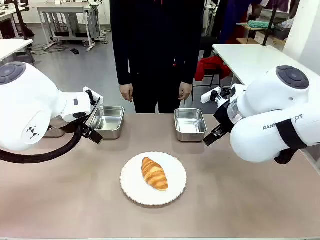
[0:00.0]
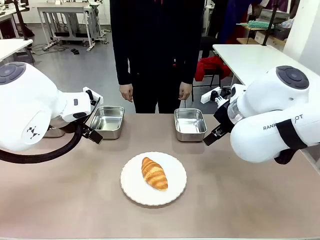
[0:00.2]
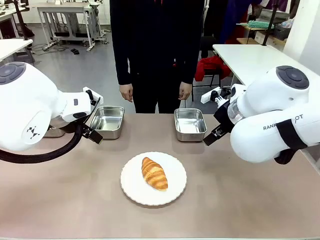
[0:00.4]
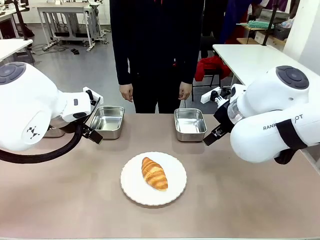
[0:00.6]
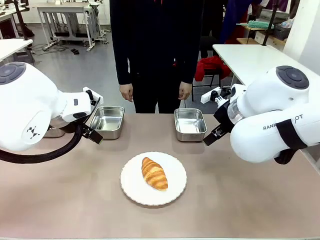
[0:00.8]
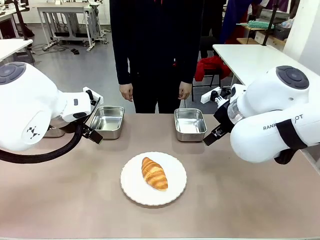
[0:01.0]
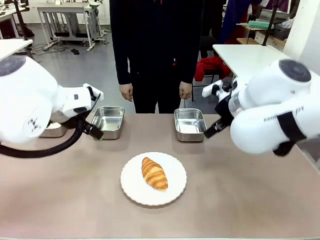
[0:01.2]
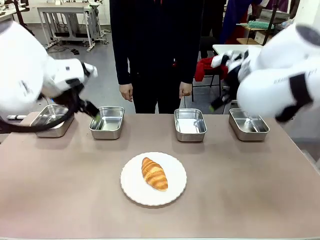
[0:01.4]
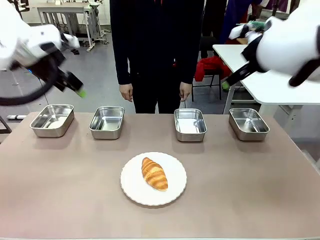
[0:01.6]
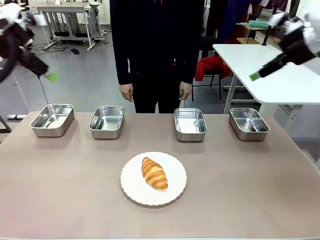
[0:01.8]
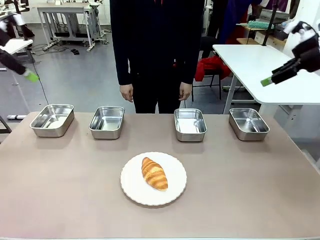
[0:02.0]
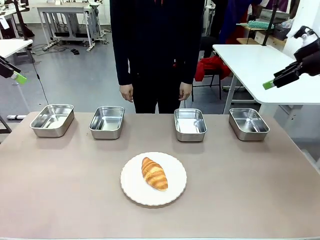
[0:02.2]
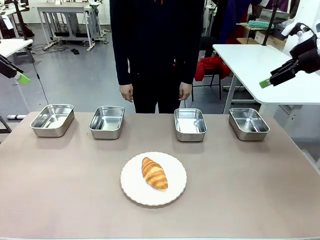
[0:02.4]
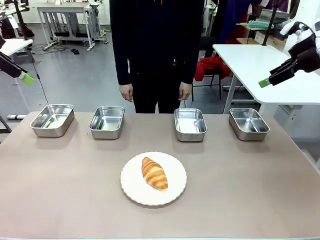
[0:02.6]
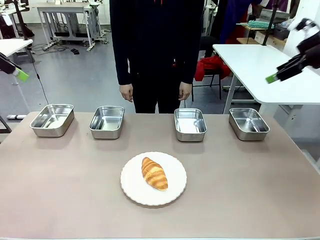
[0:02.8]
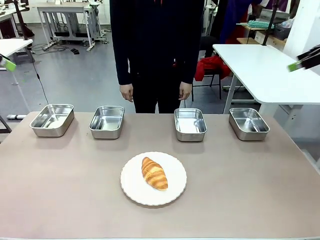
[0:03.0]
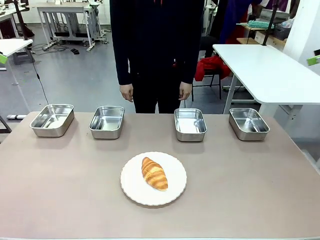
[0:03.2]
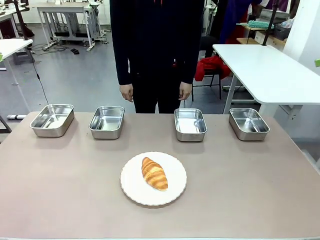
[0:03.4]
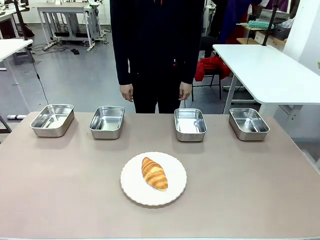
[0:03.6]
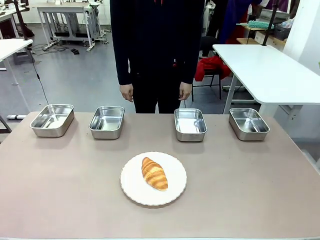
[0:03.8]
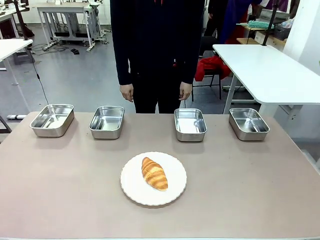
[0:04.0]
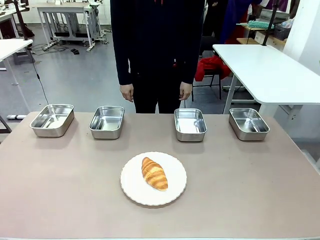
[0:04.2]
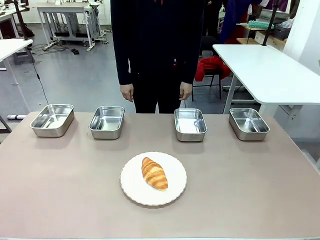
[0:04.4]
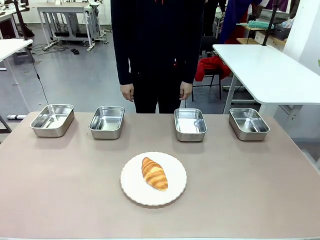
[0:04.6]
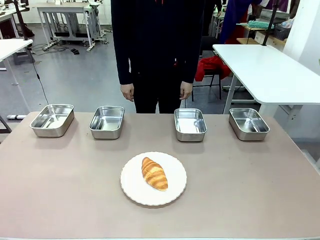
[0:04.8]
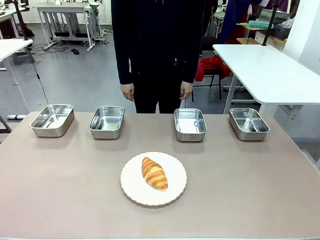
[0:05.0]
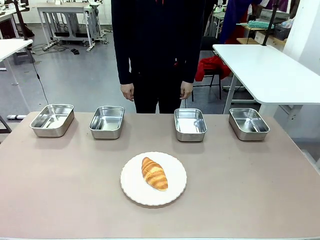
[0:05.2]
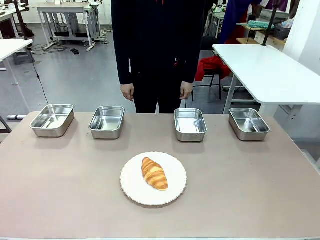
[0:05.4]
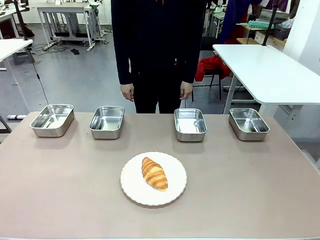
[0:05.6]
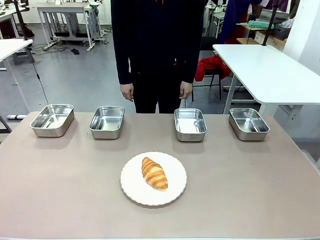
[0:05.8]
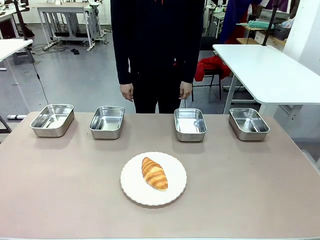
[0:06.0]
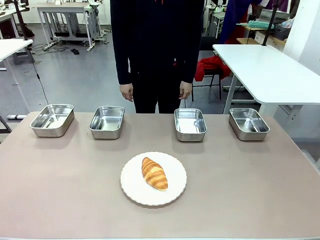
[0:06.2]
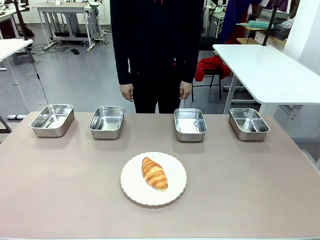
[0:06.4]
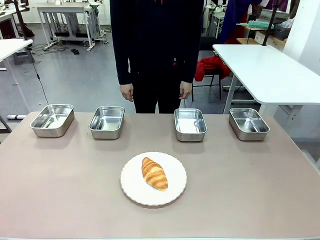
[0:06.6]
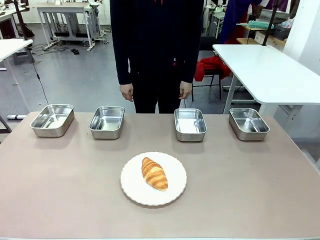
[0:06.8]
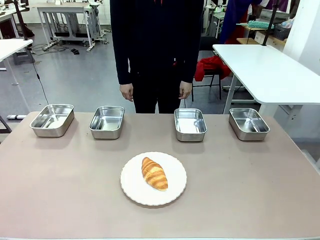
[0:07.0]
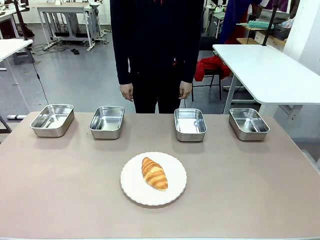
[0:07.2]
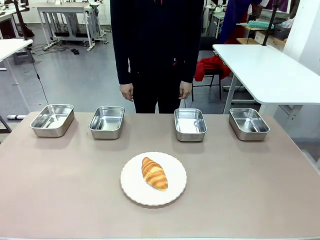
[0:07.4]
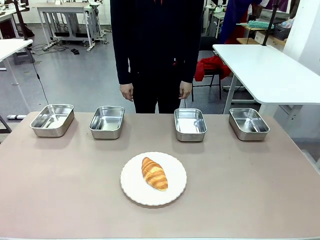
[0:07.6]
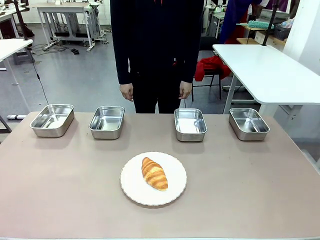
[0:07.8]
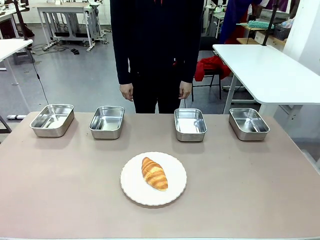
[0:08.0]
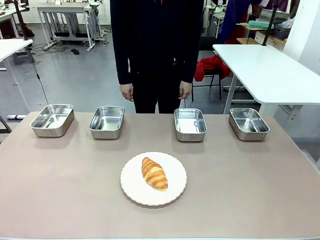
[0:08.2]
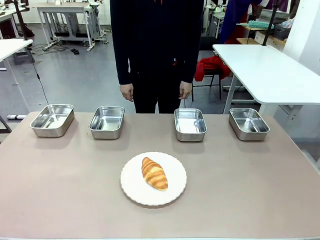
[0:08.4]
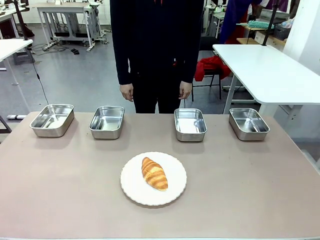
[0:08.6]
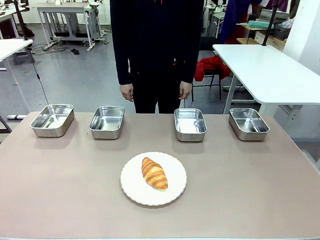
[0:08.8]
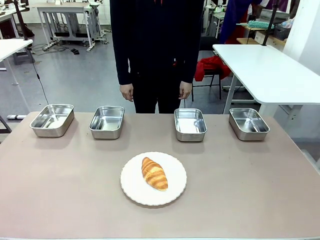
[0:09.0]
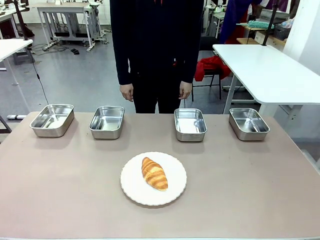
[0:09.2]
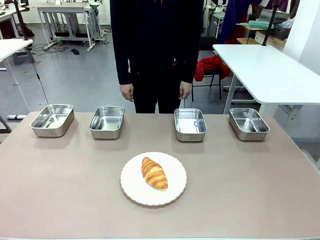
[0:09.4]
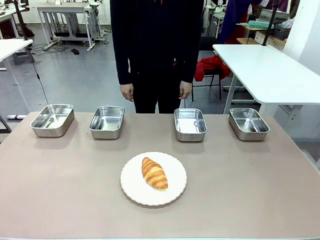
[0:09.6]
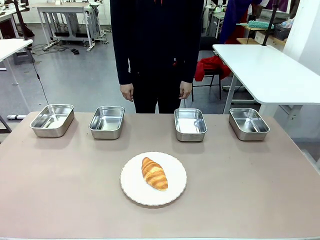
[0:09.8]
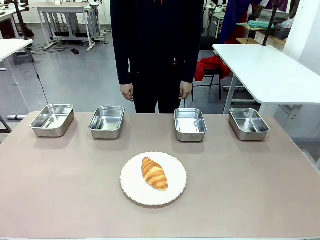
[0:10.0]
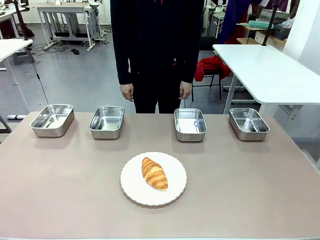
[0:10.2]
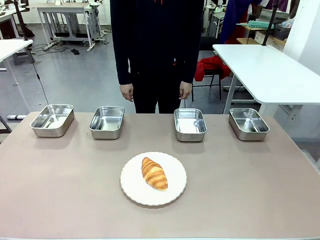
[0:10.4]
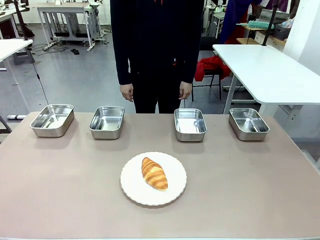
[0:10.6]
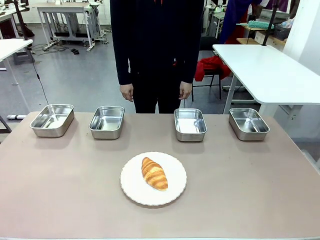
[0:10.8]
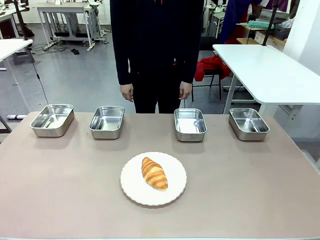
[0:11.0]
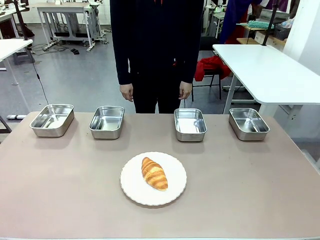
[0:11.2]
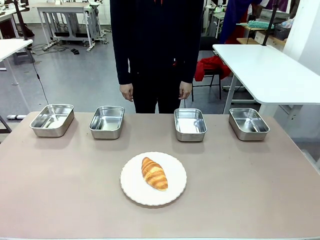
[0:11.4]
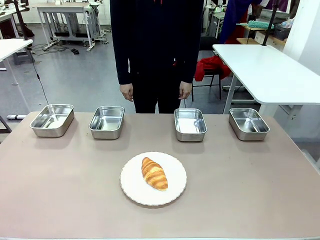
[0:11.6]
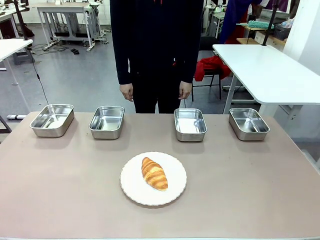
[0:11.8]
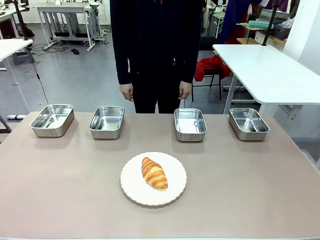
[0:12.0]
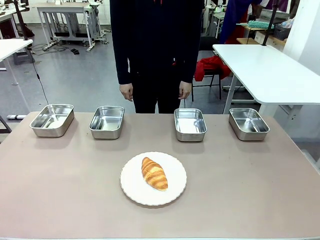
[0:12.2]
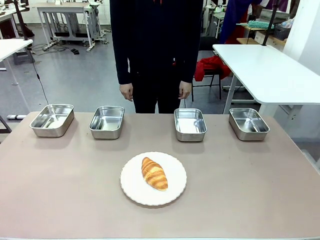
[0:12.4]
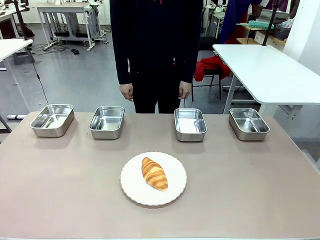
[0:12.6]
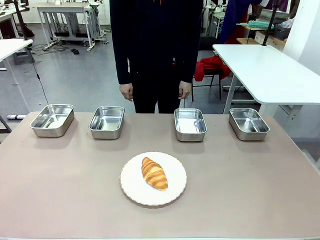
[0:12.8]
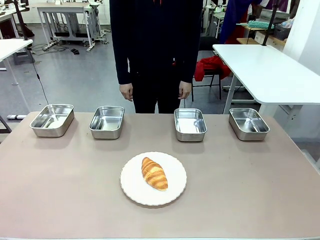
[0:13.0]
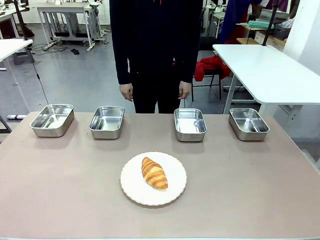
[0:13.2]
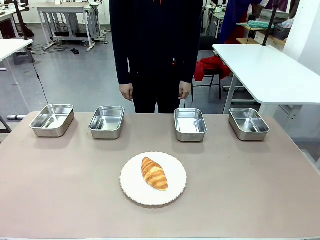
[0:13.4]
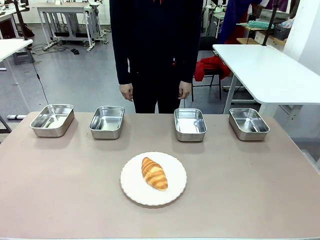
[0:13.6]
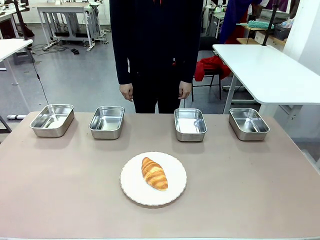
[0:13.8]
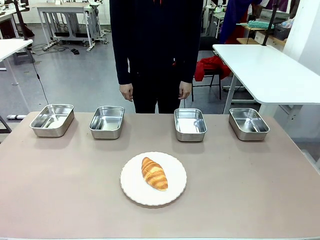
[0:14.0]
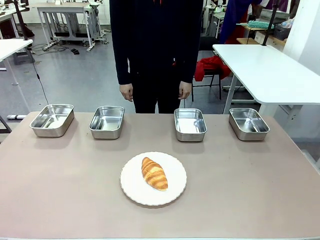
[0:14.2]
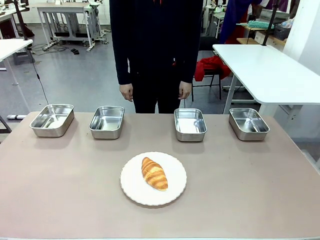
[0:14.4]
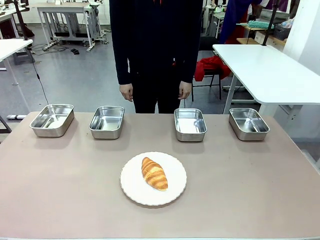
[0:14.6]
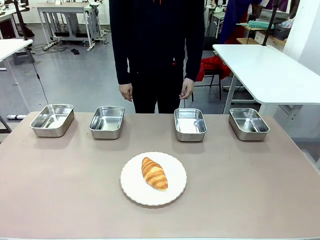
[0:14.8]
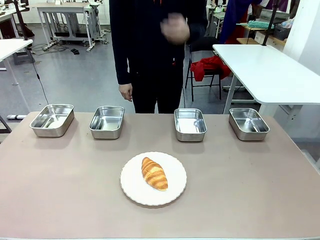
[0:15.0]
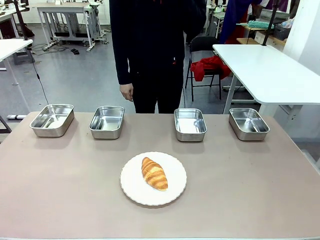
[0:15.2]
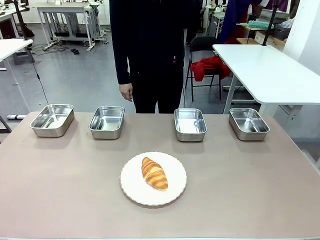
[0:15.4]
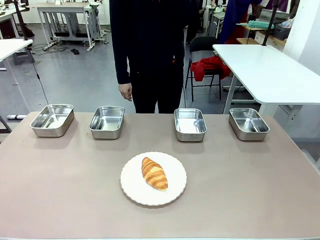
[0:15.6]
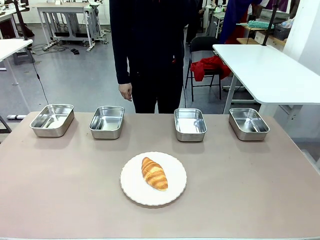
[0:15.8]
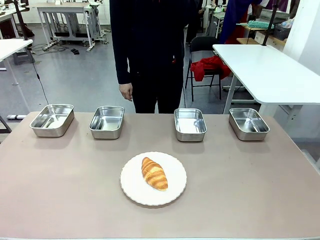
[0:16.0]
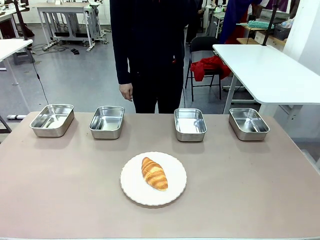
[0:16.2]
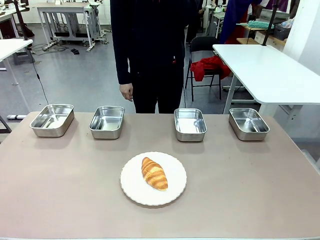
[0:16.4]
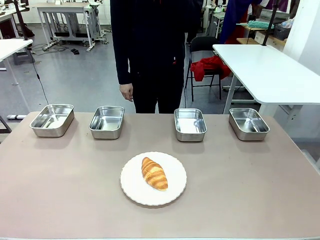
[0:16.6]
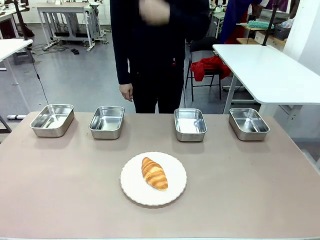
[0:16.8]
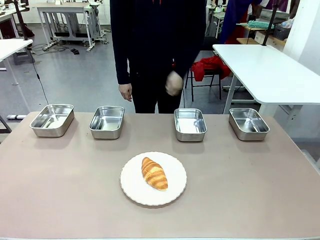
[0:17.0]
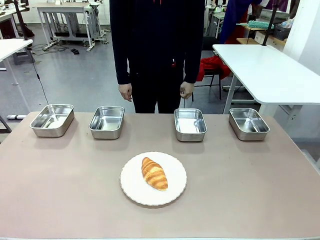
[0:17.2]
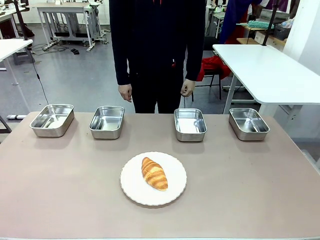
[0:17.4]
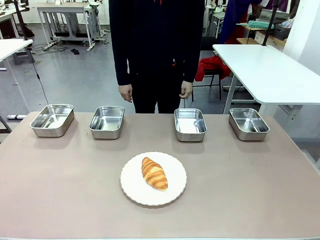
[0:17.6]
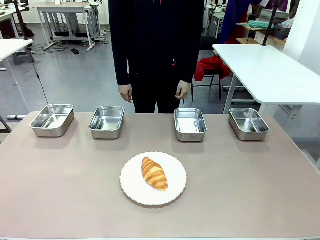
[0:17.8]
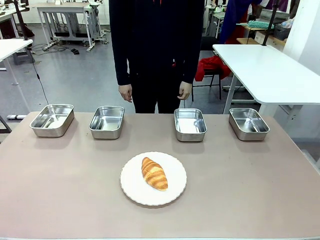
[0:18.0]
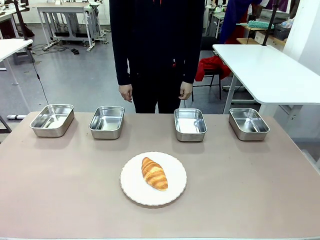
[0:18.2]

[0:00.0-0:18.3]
Task: Place the bread in the container.
Robot: Place the Butter Roll into the Airtight Container indicated by the human.
